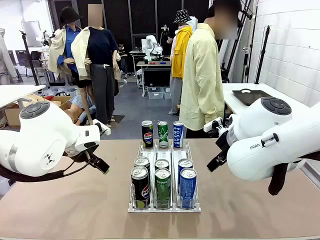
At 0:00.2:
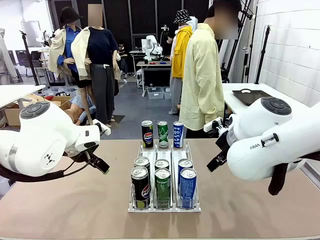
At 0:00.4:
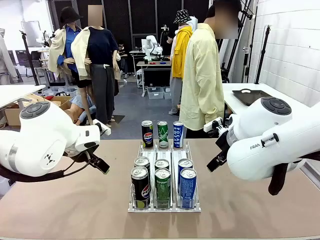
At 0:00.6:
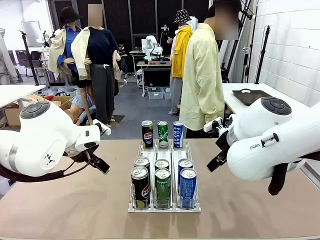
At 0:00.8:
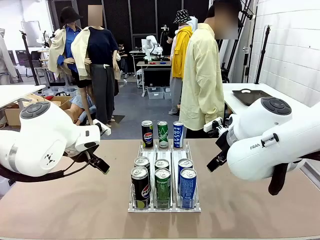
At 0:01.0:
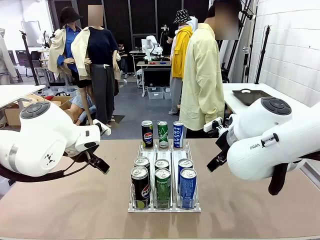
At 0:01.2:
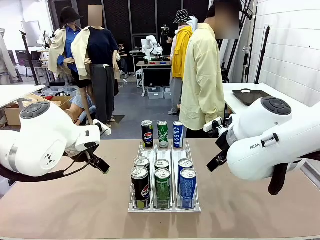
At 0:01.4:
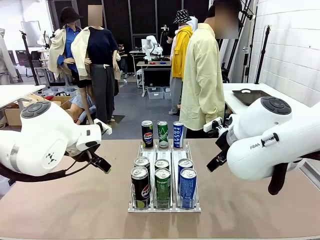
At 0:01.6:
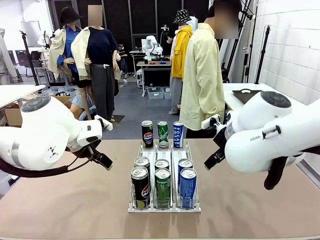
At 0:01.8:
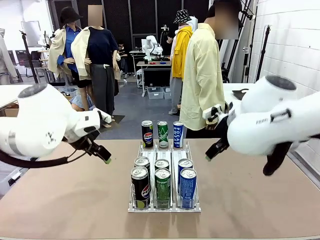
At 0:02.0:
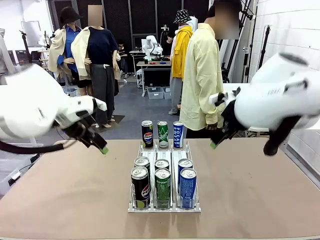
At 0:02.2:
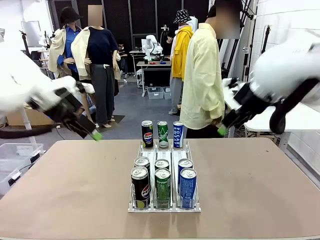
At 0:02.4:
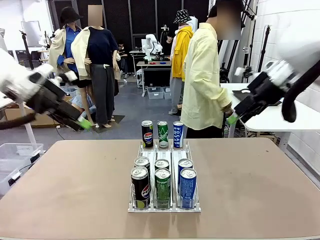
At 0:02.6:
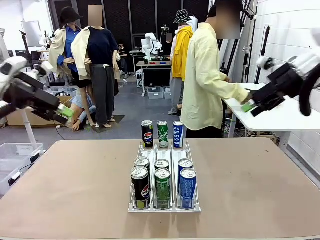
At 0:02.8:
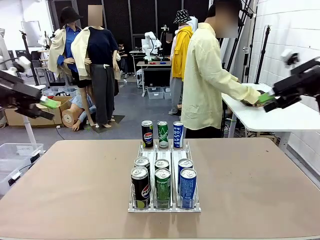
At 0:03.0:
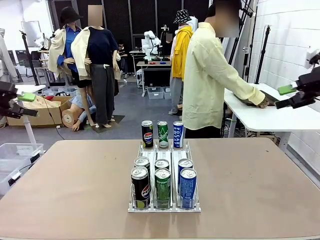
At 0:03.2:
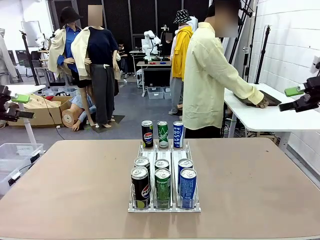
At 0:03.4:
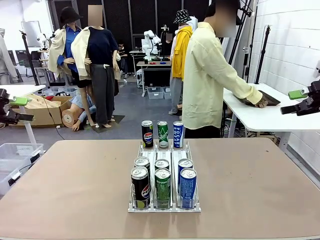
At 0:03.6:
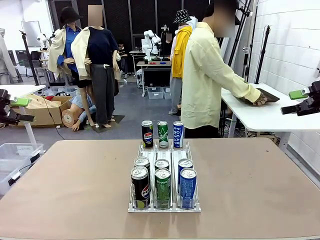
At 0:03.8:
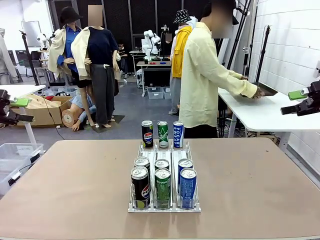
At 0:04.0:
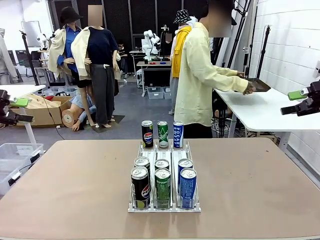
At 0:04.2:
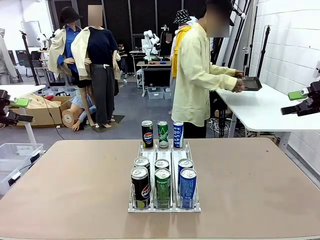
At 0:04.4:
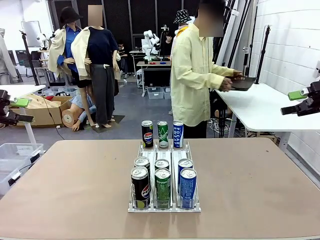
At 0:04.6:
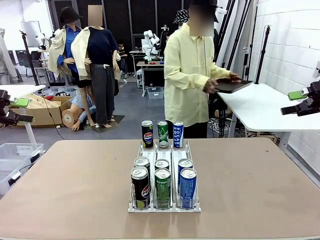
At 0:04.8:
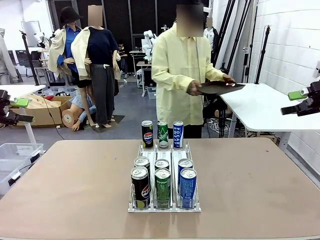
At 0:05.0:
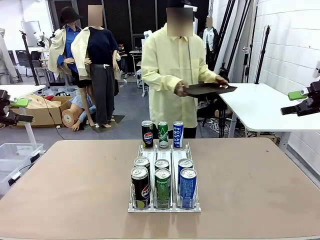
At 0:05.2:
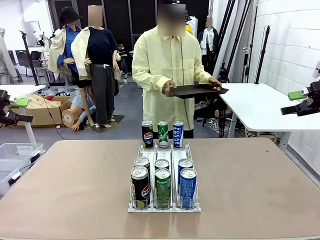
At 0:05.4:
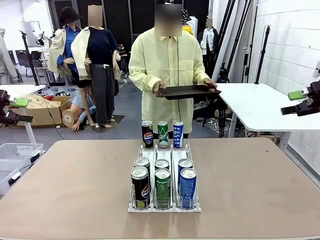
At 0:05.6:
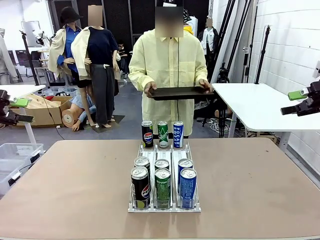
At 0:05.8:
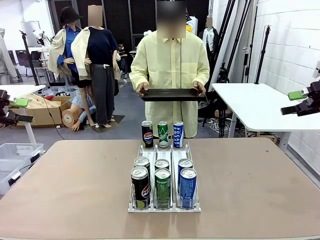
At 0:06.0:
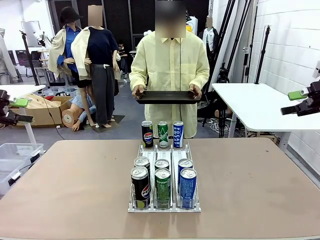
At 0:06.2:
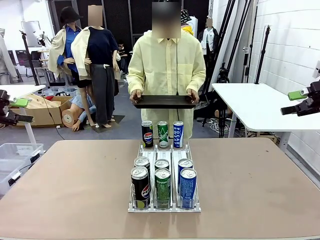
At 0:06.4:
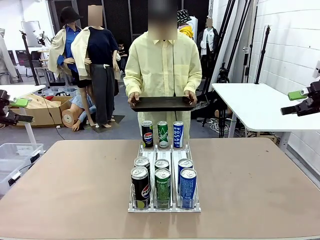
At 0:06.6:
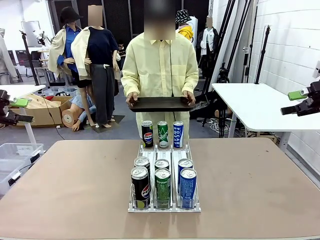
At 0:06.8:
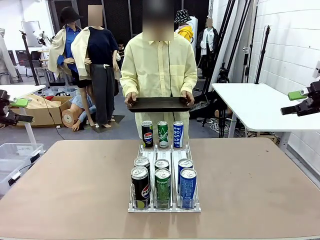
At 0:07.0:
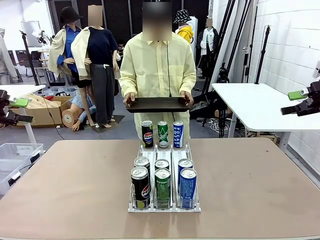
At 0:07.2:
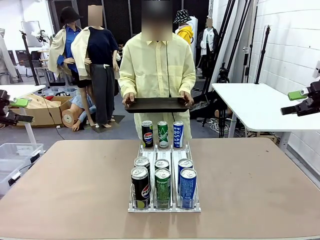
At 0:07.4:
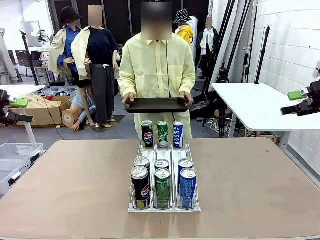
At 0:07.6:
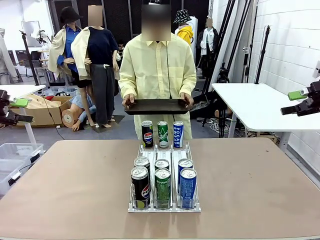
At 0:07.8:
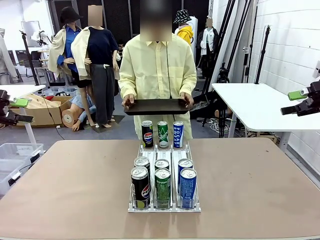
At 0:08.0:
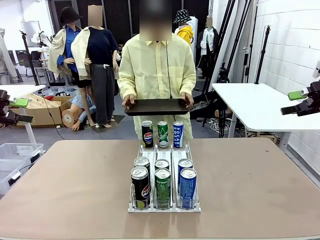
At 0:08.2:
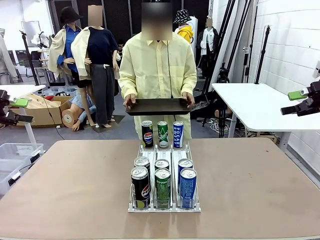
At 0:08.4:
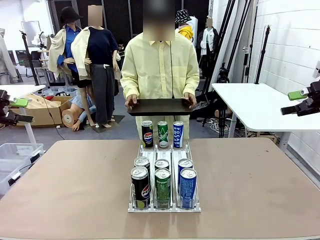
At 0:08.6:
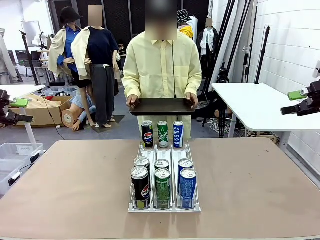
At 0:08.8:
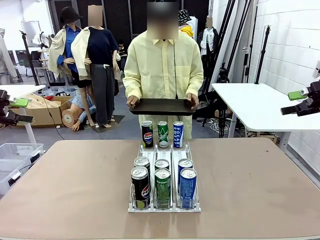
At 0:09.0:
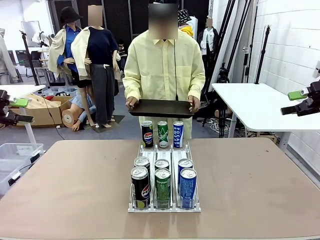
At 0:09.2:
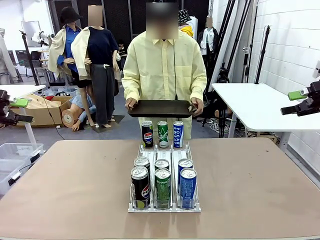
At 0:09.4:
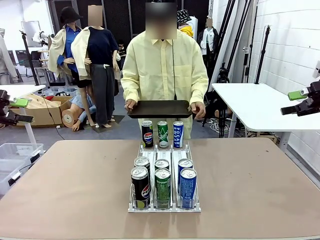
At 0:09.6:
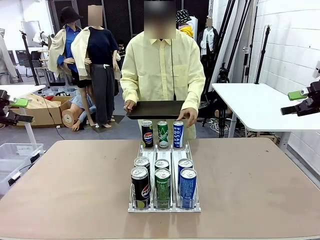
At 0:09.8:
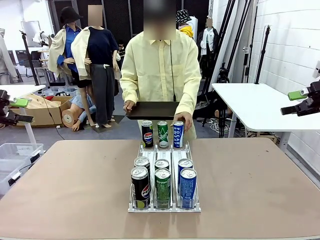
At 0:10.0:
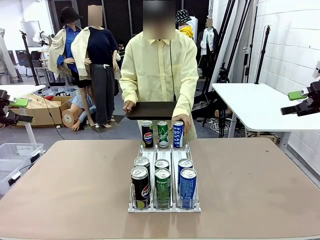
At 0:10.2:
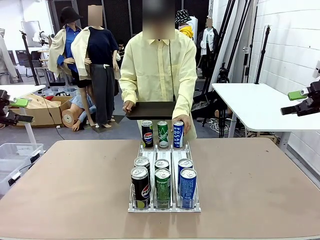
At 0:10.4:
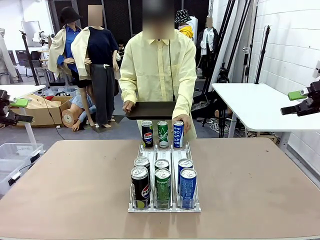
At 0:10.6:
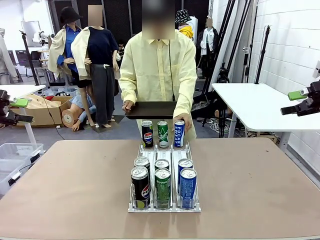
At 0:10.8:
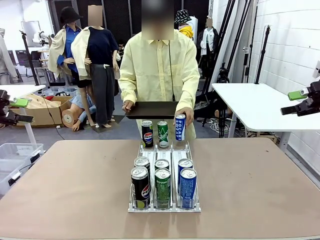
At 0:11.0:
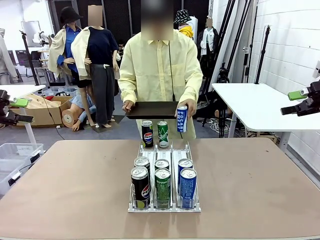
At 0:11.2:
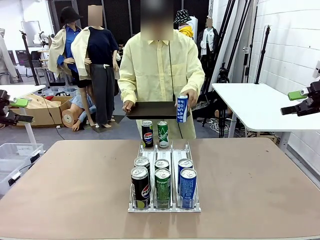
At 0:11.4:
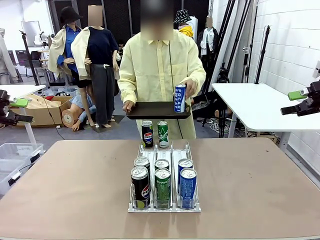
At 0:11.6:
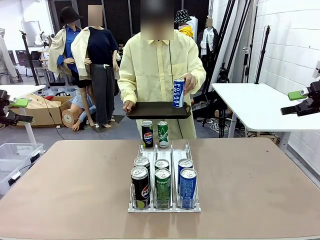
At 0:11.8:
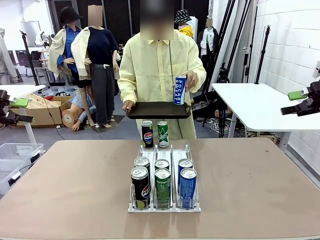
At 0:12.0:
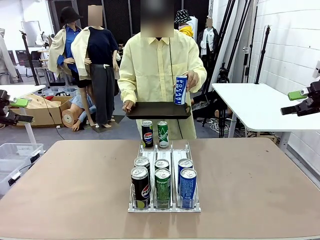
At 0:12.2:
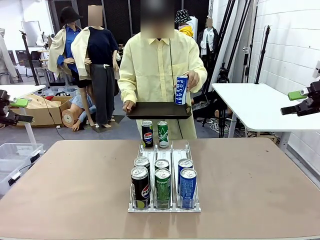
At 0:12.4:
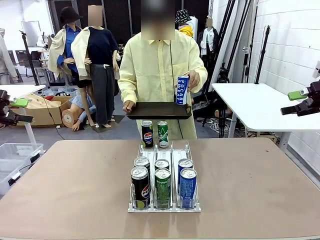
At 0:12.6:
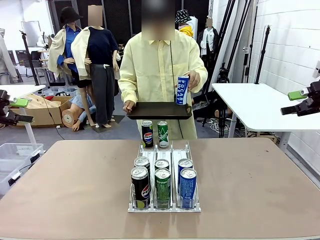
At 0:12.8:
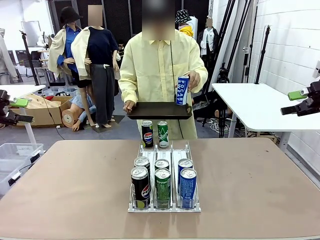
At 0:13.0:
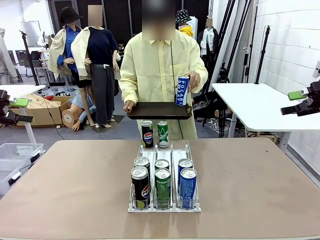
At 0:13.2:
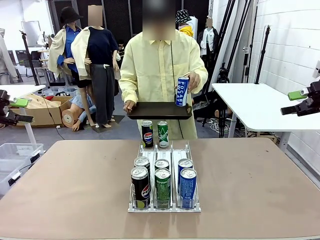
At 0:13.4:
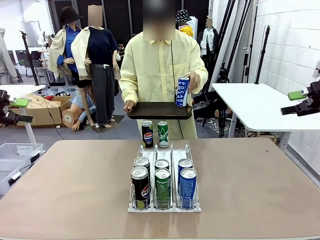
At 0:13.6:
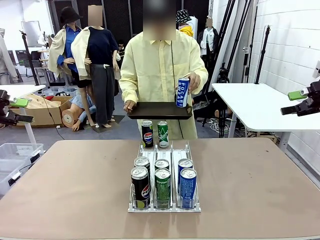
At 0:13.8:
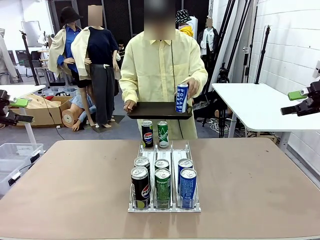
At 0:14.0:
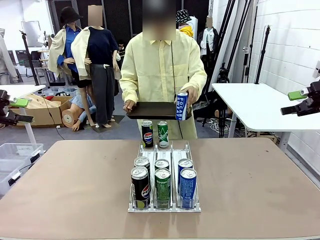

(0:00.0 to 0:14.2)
Task: Retrieve and hand over the desired beverage to the person.
Robot: Pick up a can of the same type that the person held from the Automatic Can Dispenser.
Person: Hold the tray and position yourself in front of the robot table. Pick up one can from the bottom area of the table and puts it back in its original place.
